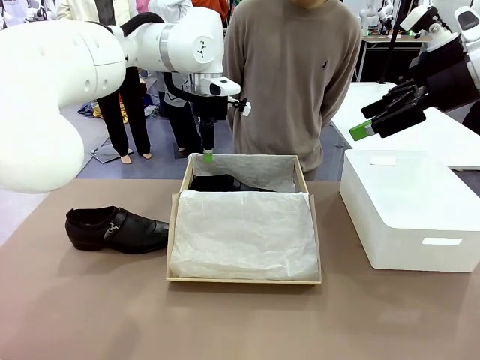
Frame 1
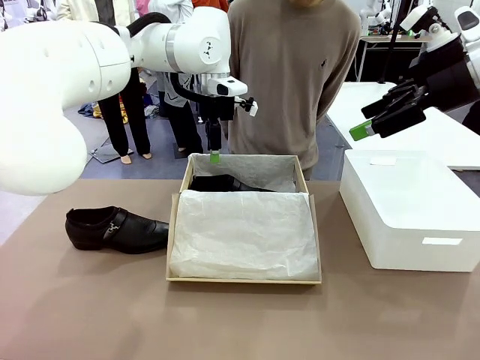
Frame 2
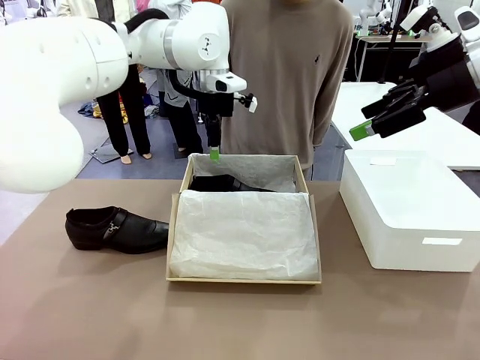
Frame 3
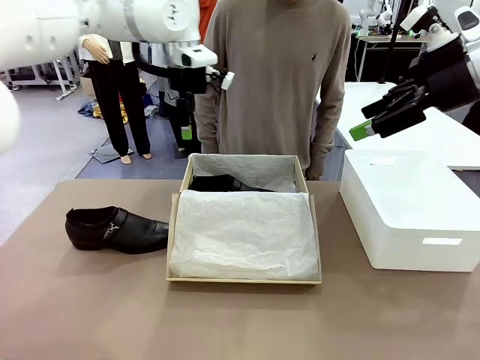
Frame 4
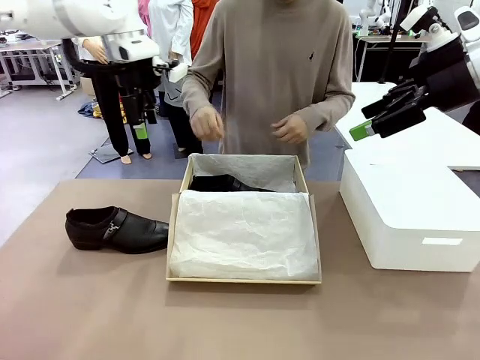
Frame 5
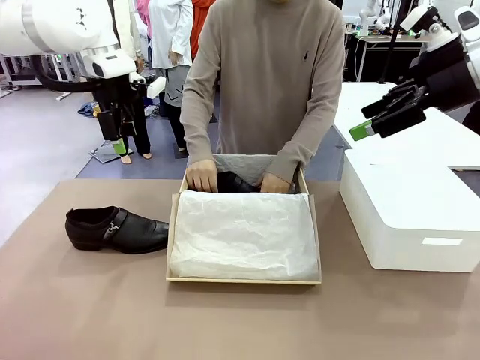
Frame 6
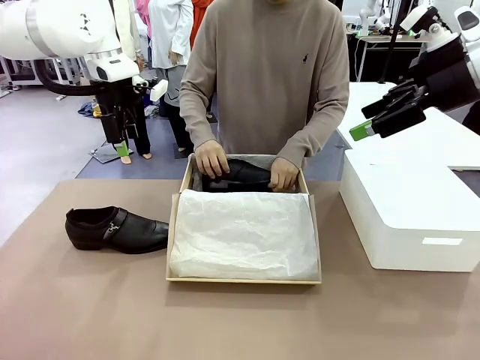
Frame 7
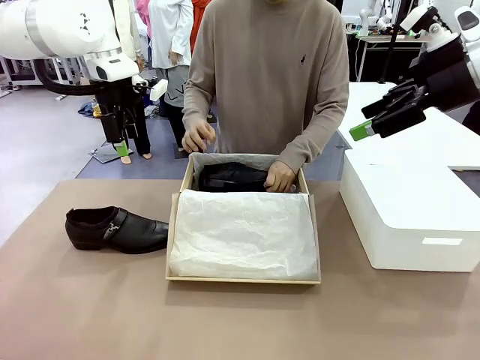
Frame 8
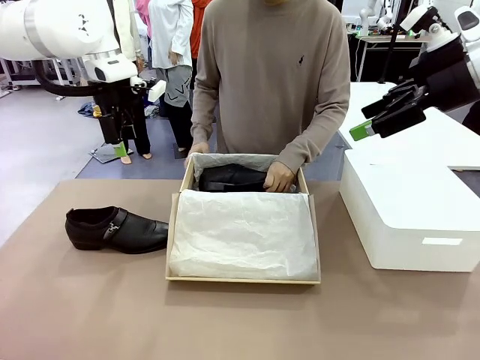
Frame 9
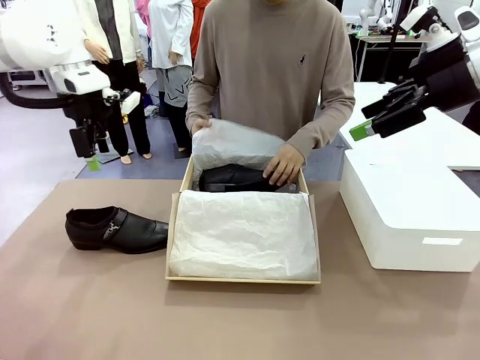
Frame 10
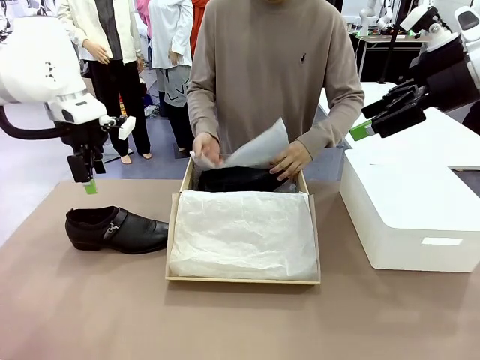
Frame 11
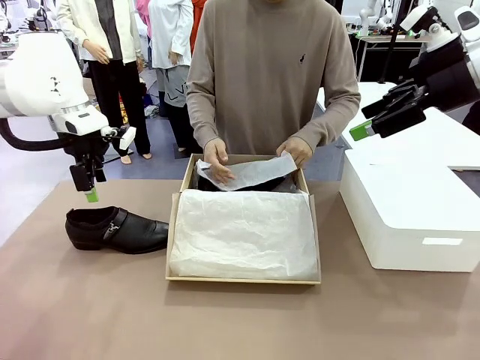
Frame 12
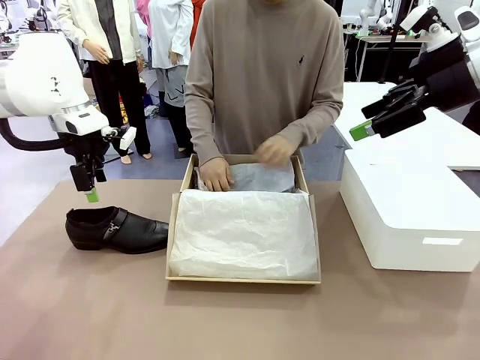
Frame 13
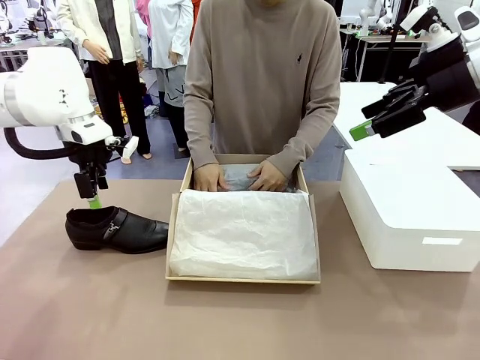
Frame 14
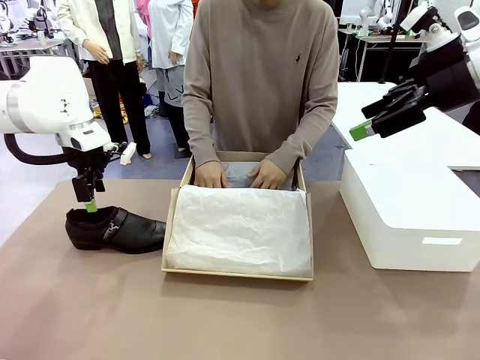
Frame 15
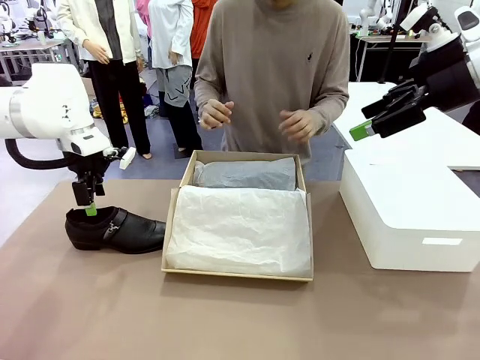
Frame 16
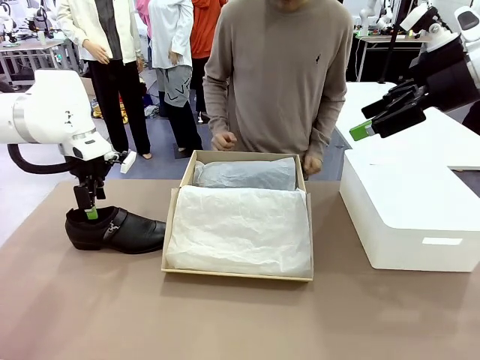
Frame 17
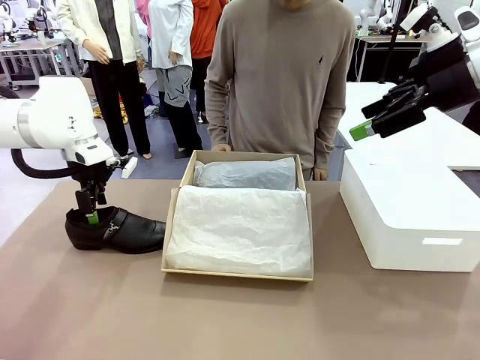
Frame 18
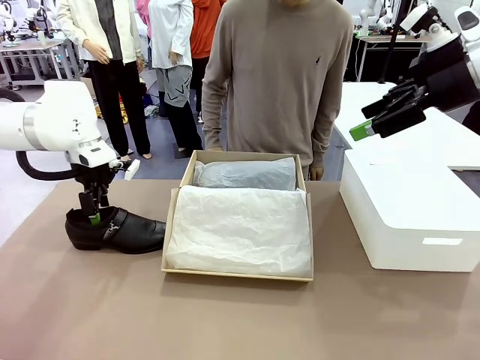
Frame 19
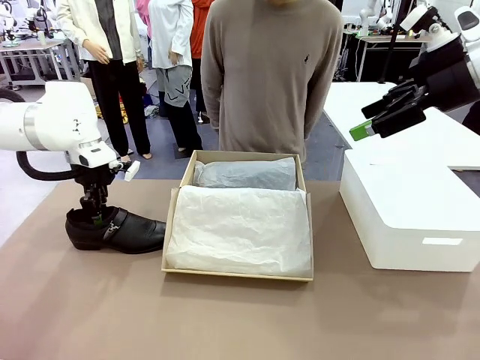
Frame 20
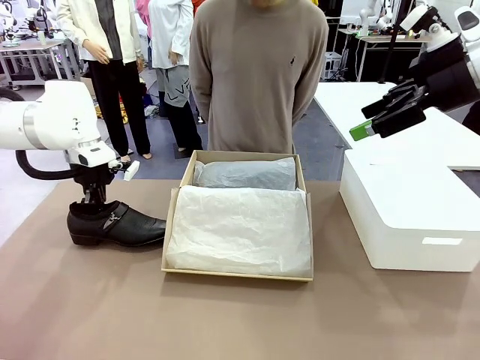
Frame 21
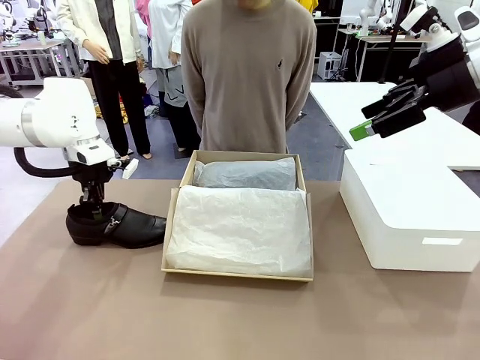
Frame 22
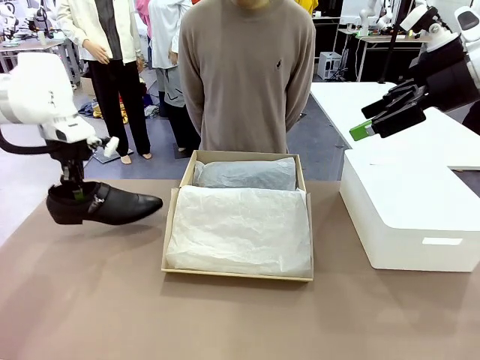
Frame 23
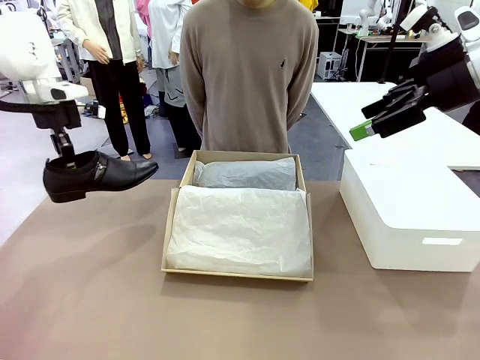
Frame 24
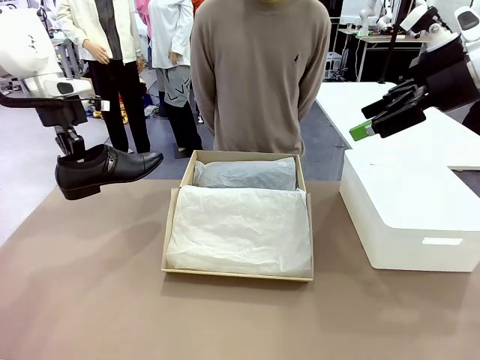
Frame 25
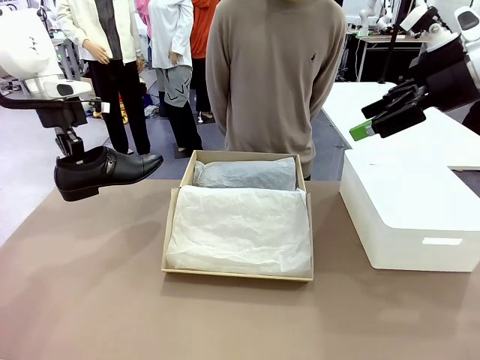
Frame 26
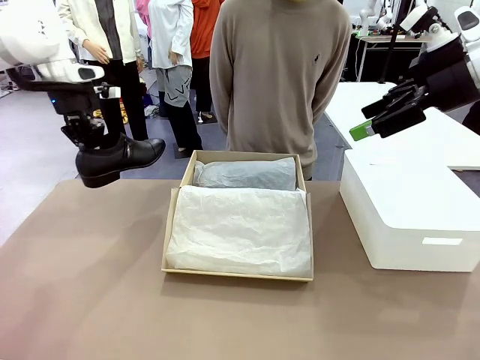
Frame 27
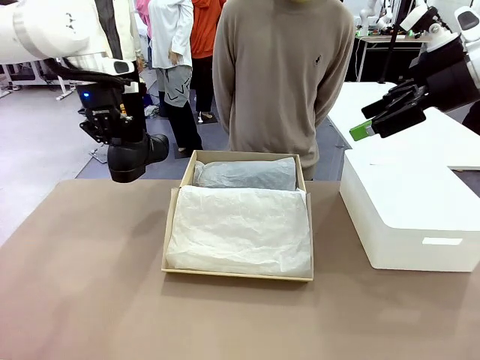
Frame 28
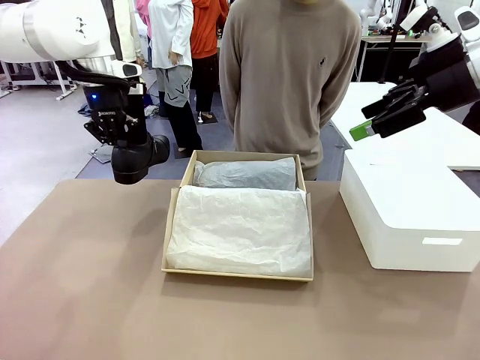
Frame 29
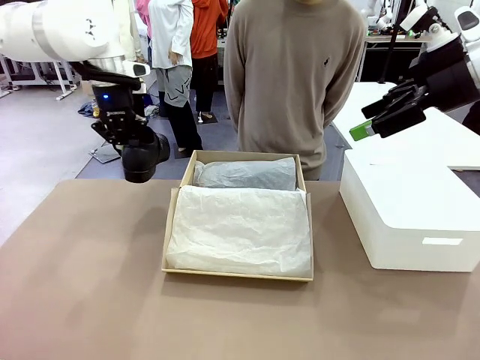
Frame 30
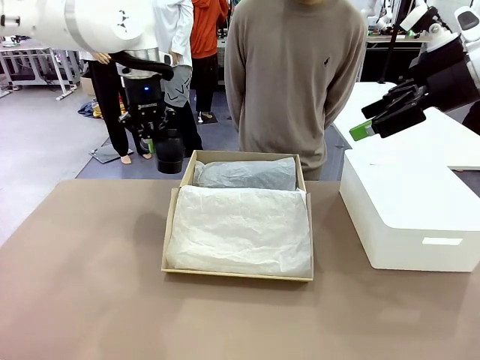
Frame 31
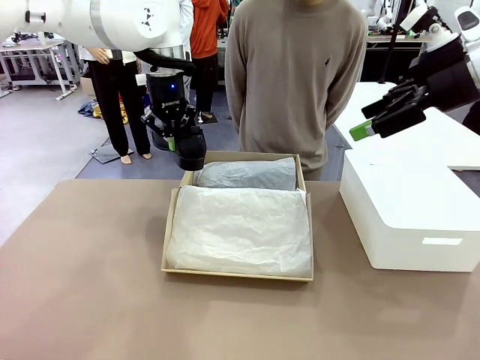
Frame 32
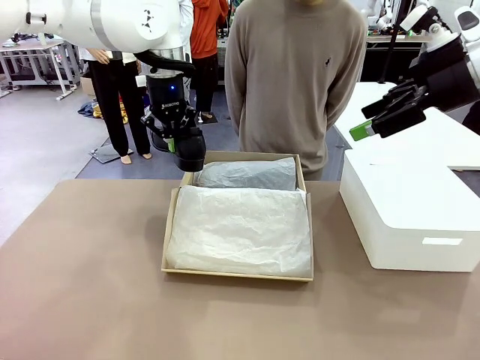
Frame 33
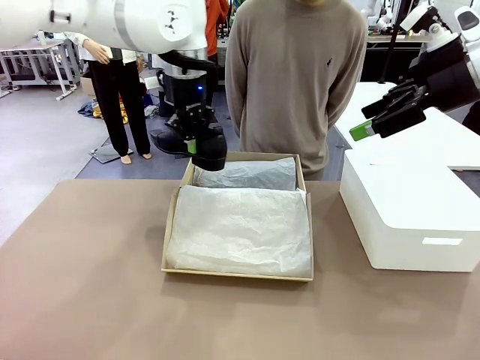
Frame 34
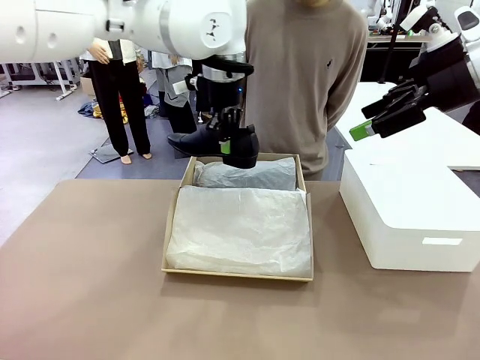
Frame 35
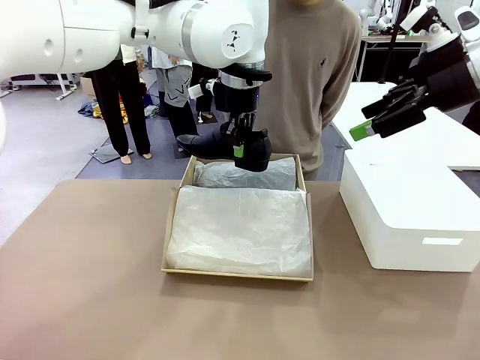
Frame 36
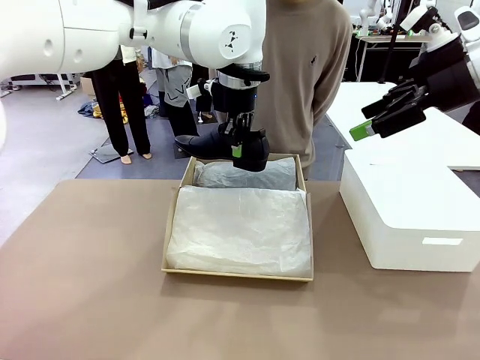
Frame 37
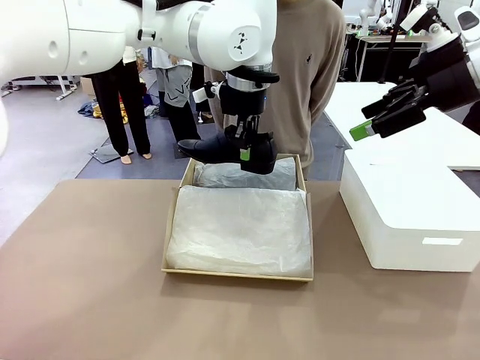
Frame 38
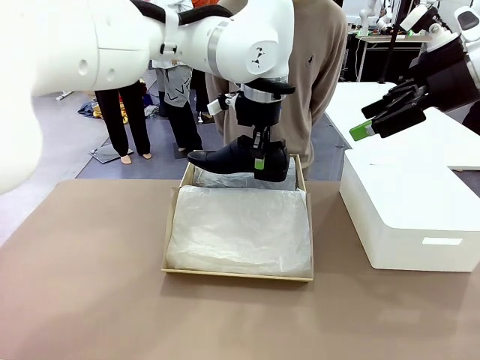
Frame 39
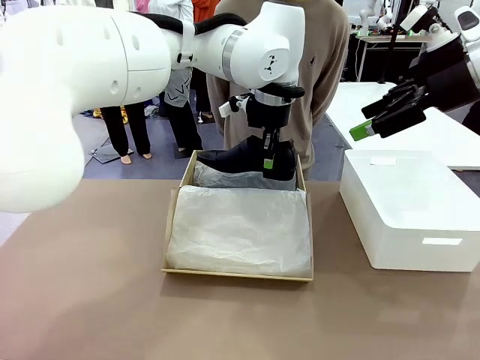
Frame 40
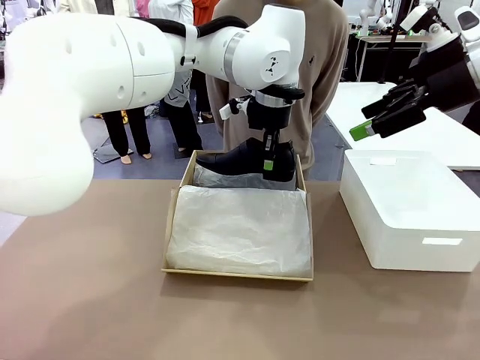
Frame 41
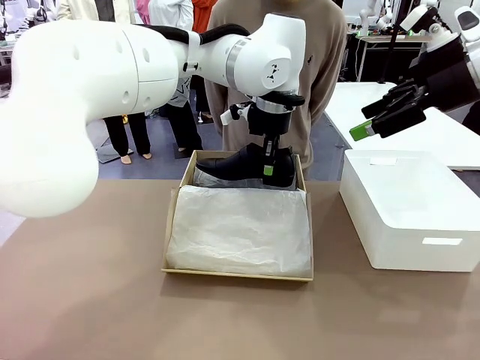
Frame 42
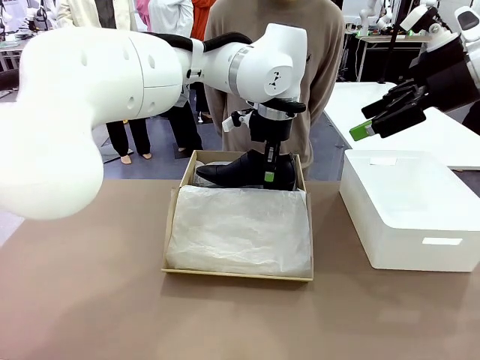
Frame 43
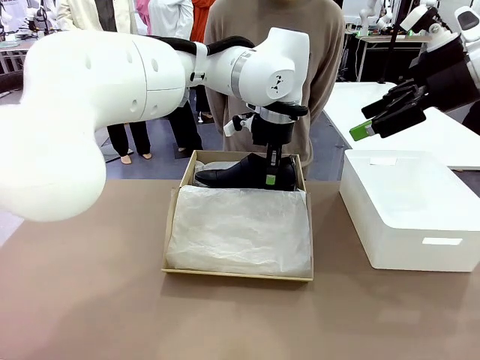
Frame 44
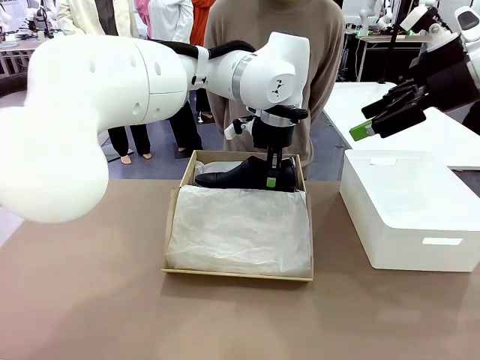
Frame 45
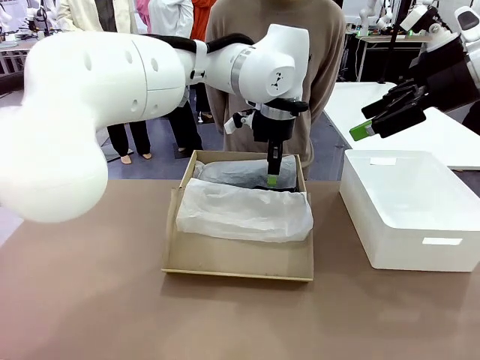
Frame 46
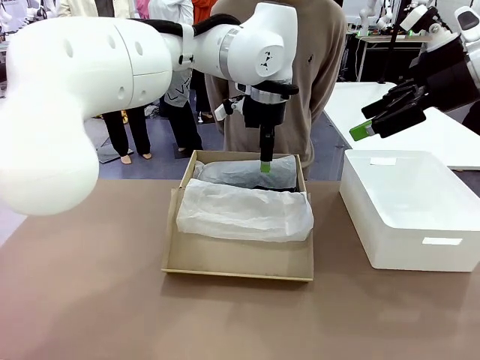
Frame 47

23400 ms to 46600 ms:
Task: Pack the shoes into the box.
Robot: Place the other shoe of the Shoes into the Shoes Box.
Person: Pack a shoe of Shoes inside the Shoes Box with Shoes Wrapping Paper.
